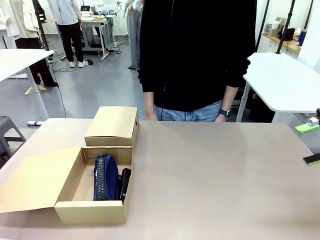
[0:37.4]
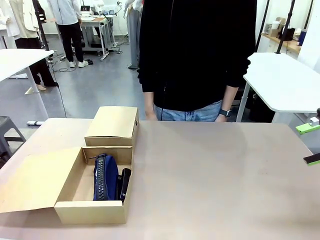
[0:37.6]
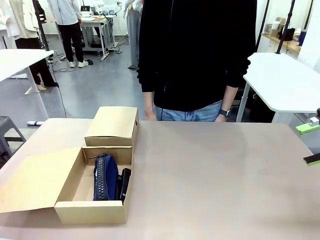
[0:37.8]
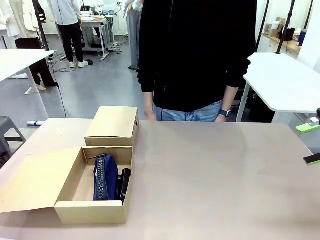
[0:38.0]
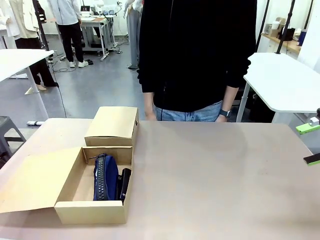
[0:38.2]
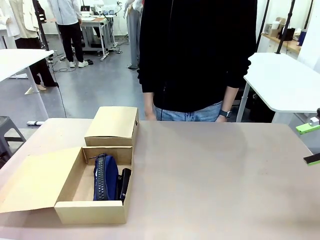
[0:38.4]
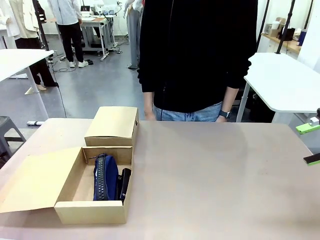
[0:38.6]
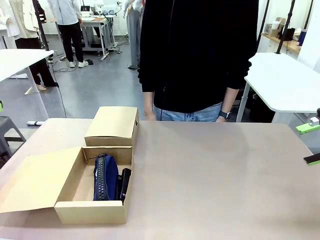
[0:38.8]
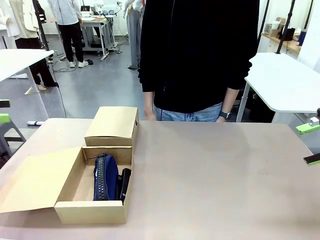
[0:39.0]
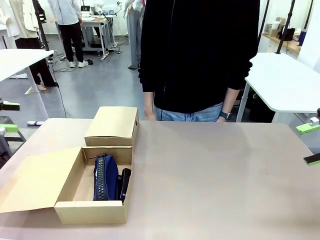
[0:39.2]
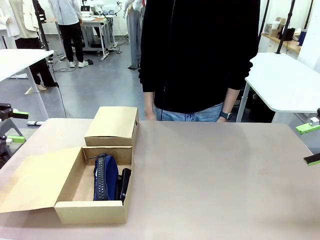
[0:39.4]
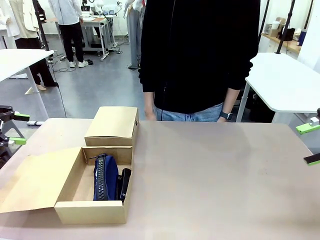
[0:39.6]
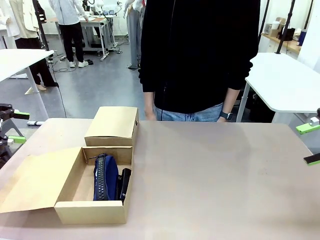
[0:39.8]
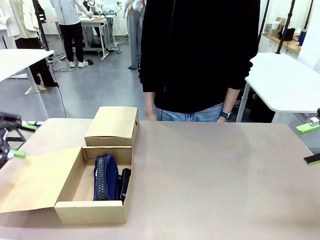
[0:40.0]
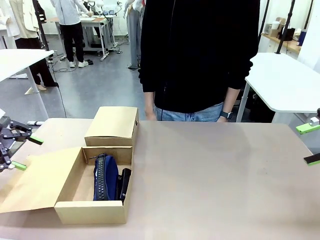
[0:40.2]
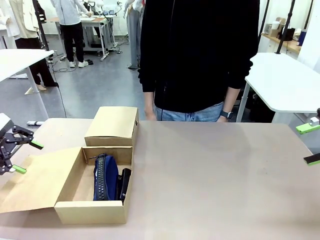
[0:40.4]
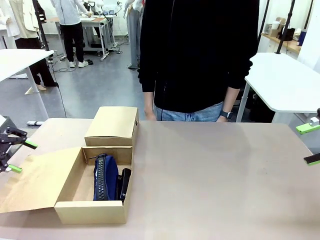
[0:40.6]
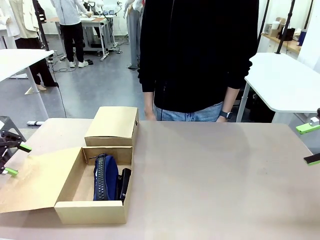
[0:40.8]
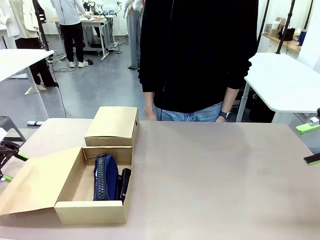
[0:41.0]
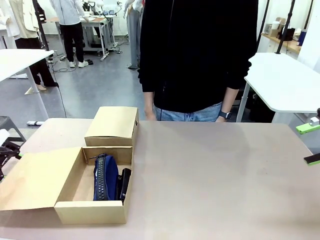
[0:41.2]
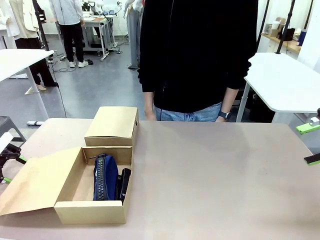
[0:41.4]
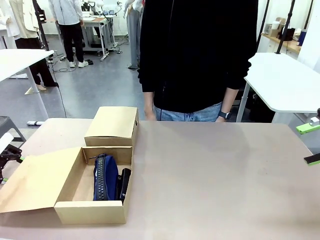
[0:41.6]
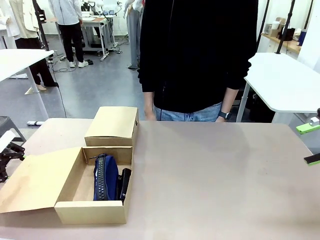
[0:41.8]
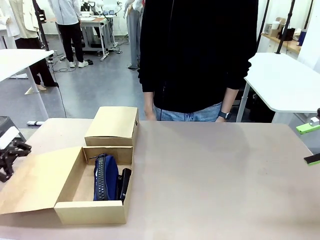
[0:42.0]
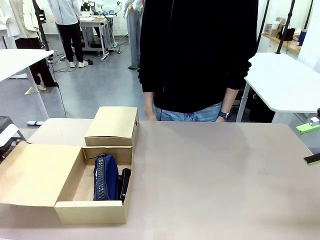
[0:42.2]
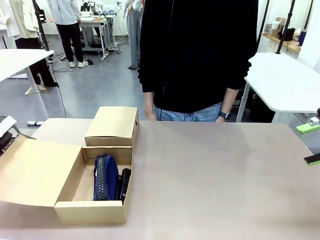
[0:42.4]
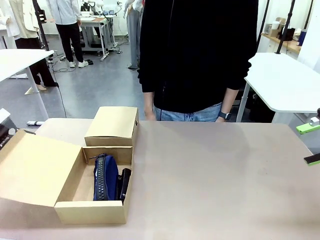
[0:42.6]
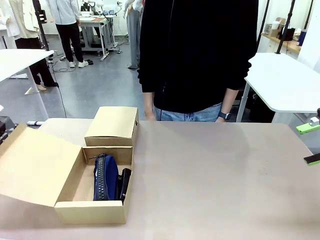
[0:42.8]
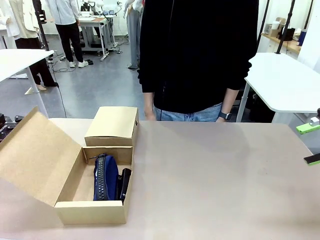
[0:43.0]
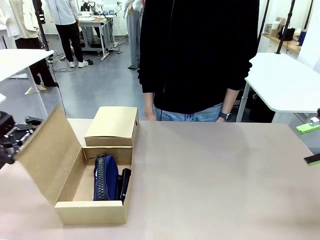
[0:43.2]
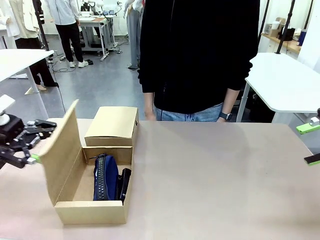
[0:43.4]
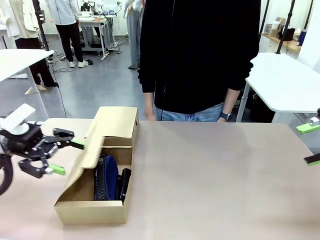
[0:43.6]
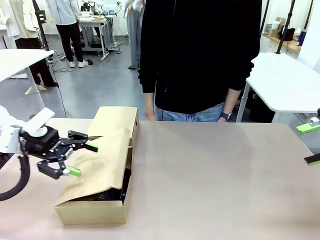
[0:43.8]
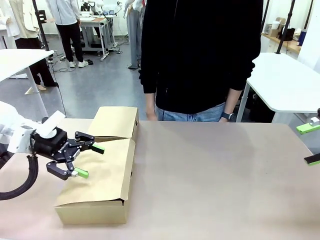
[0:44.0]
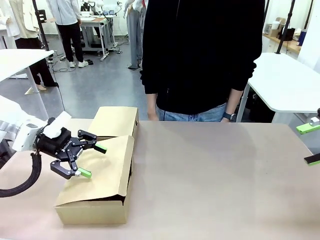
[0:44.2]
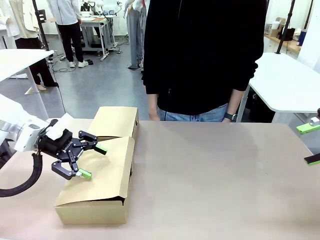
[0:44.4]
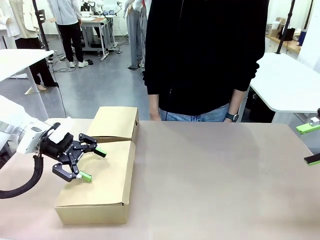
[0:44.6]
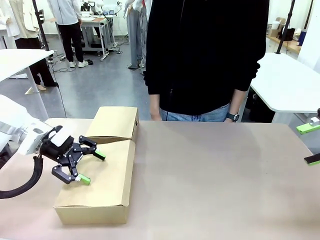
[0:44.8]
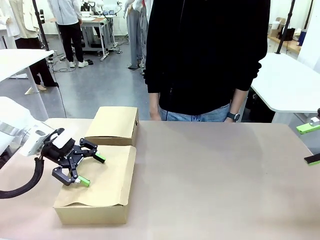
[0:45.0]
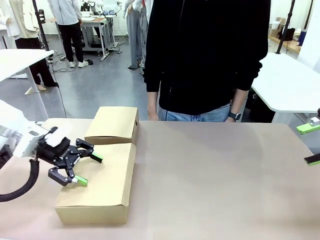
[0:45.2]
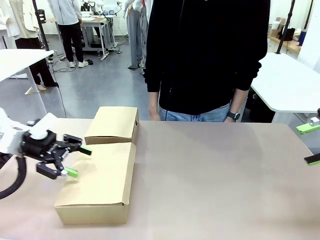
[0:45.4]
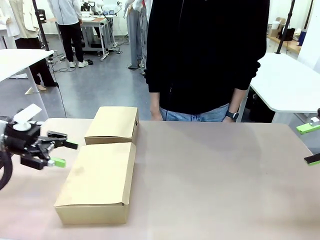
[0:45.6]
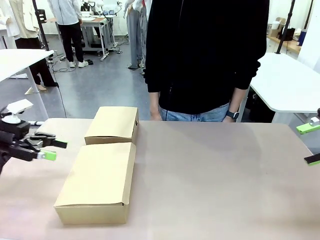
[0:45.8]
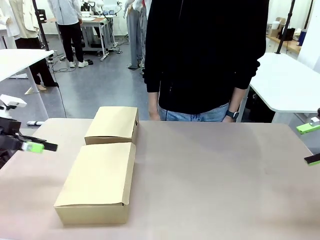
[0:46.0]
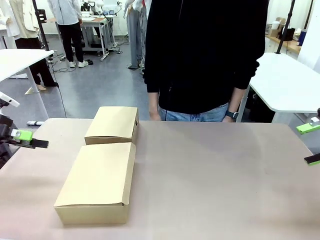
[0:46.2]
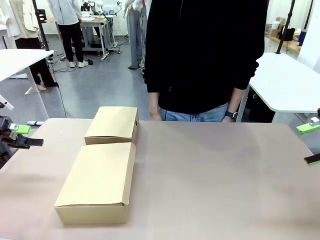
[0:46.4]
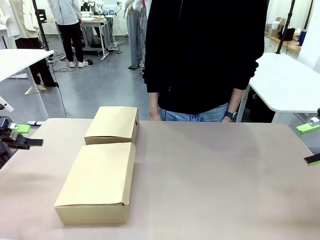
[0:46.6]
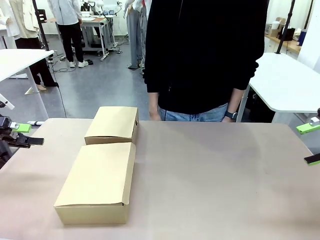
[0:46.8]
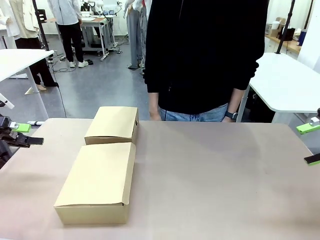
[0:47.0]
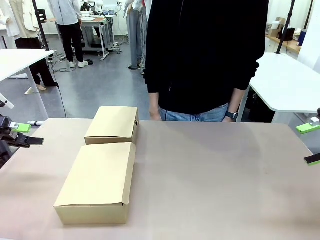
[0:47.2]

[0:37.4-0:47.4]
Task: Place items inside the box.
Robot: Close the lid of the Mailer Box closest to the robot.

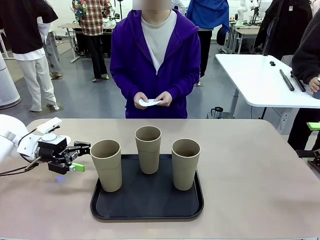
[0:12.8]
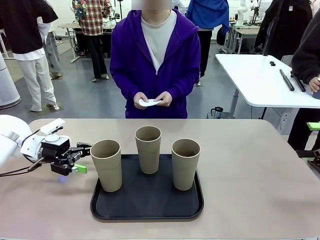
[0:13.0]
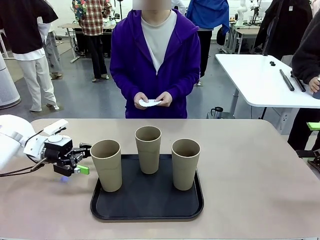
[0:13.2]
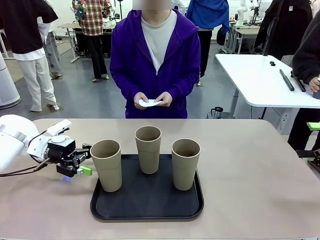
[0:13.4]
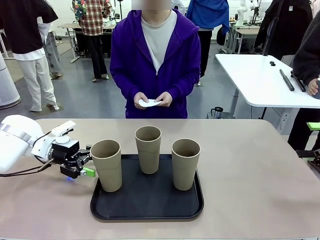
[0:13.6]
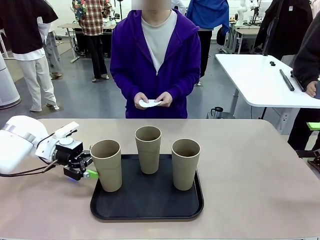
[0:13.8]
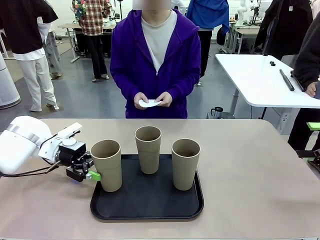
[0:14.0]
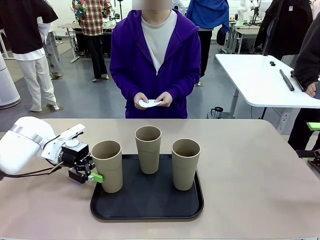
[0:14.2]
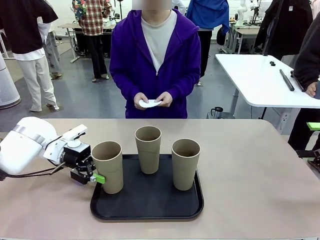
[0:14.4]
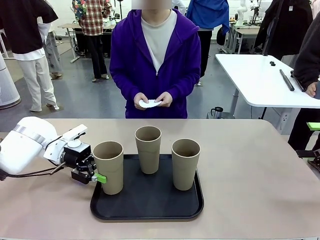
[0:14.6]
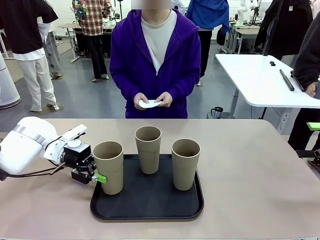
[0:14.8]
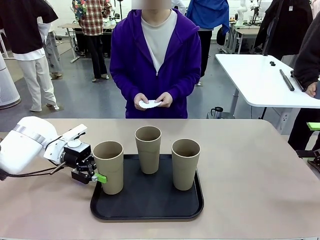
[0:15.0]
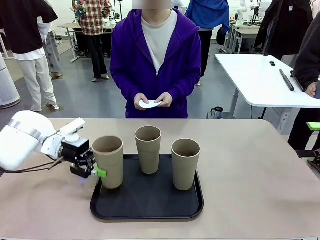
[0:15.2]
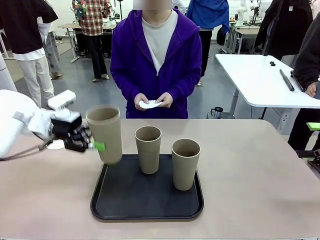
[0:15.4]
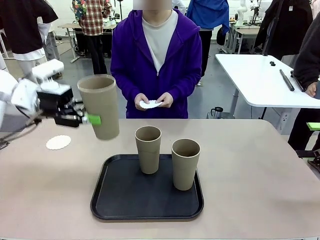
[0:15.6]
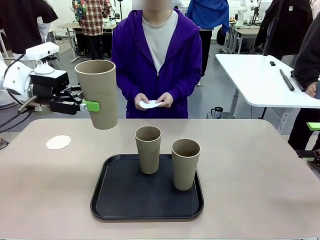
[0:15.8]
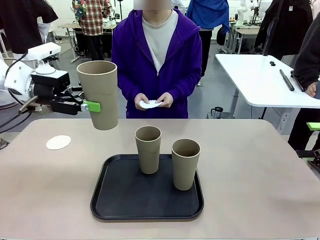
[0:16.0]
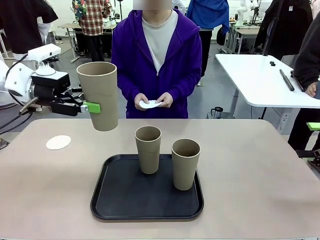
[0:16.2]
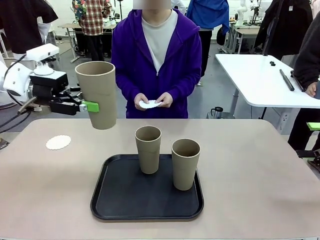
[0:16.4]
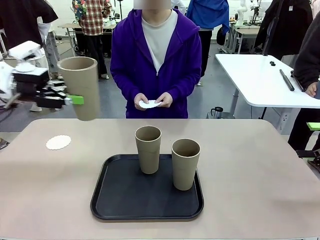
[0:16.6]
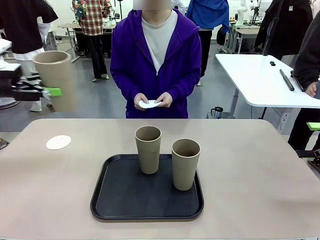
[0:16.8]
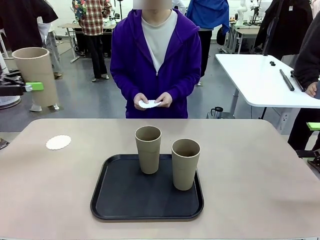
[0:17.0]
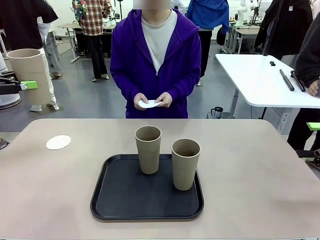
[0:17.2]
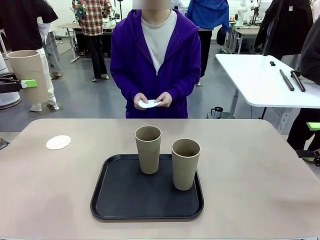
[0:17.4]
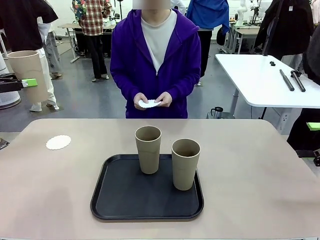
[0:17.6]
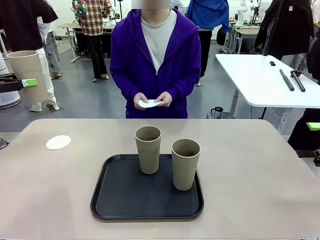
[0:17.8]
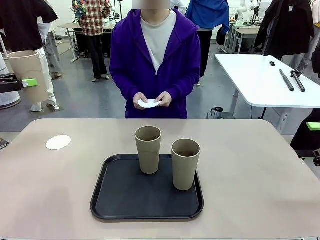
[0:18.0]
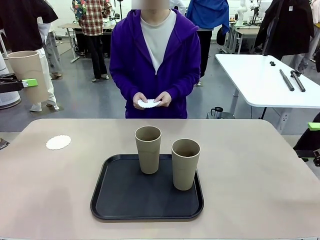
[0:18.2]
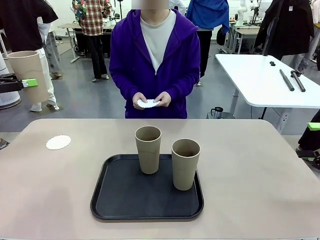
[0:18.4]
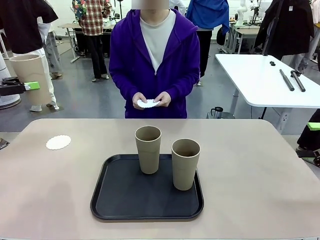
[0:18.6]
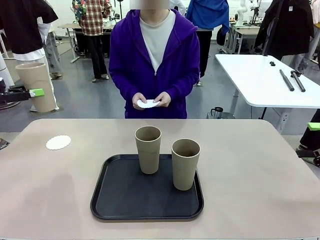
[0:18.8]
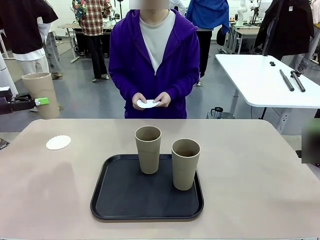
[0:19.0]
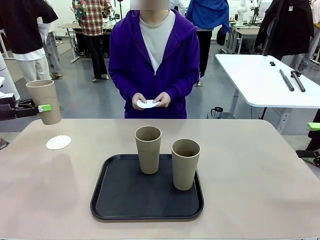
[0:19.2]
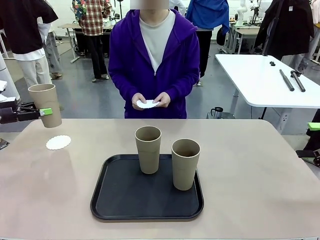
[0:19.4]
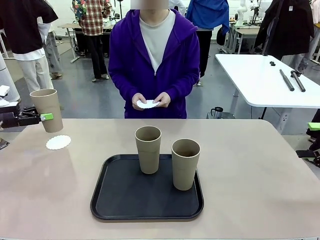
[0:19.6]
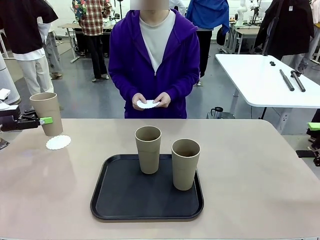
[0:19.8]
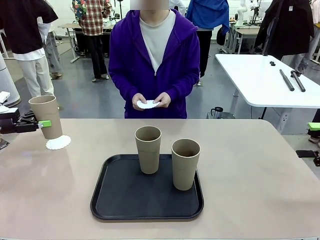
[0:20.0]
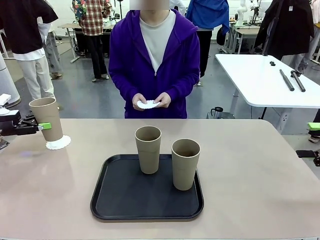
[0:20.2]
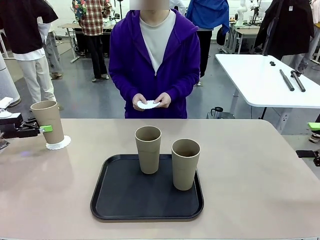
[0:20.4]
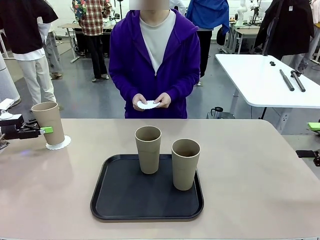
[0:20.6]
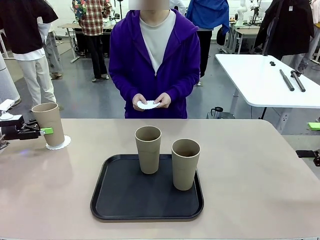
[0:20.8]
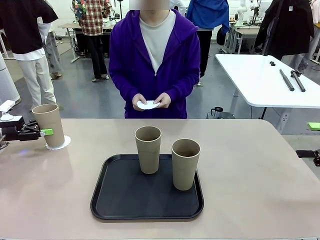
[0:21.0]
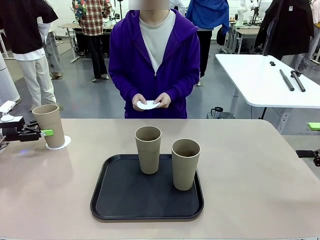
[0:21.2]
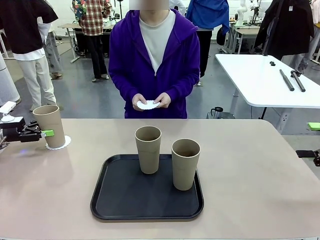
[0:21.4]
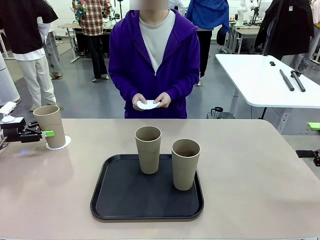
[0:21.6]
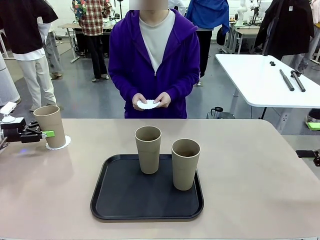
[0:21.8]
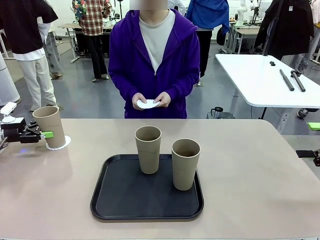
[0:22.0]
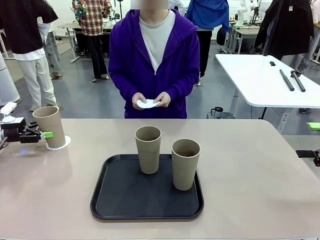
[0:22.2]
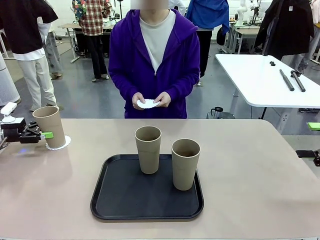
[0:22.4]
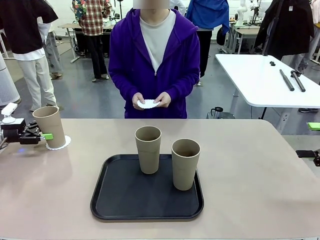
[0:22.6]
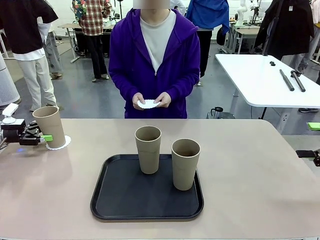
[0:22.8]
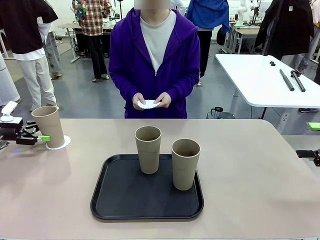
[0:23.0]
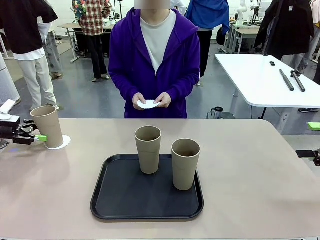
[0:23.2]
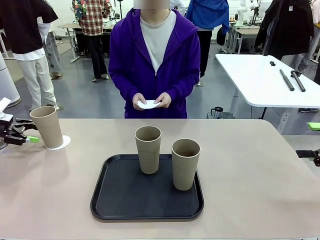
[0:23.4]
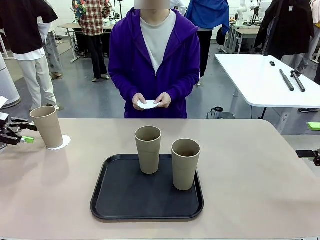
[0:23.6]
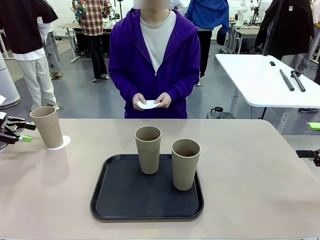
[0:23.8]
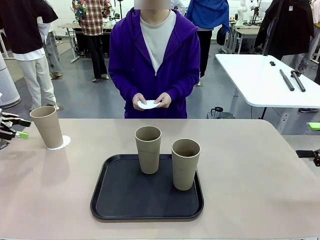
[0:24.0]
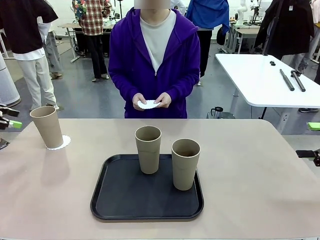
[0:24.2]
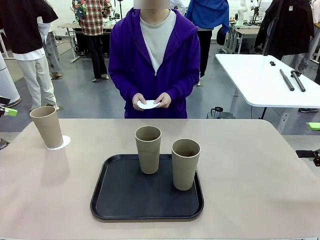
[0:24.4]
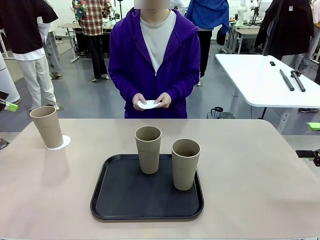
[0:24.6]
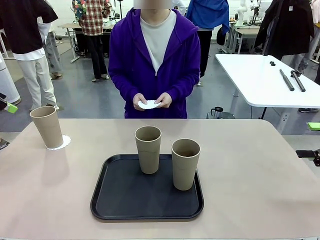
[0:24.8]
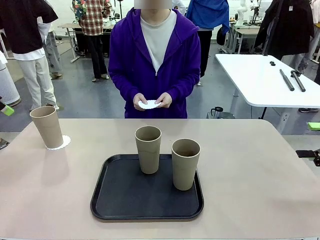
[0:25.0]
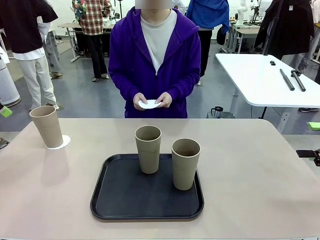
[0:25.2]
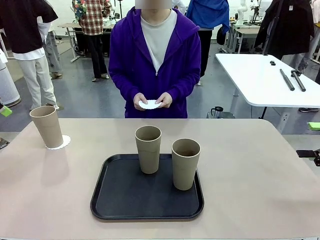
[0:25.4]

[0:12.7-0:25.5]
Task: Place coasters on the table and set cups on them.
Robot: Pick up one Reusable plastic cup and place it on a coaster set by the human.
Person: Place one coaster in one of the two areas excluding the previously selected area.
